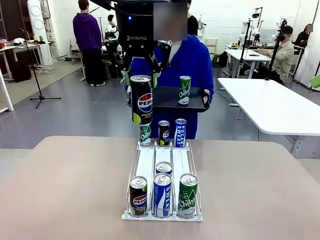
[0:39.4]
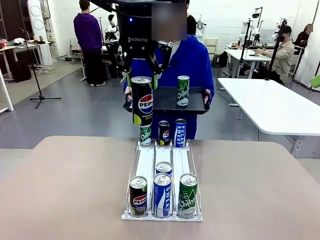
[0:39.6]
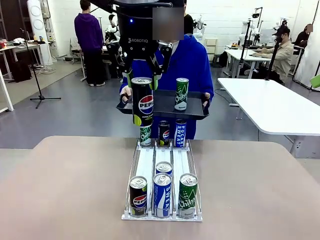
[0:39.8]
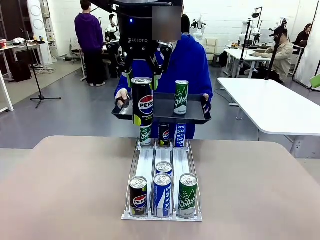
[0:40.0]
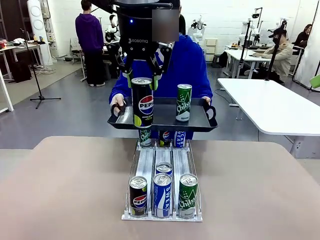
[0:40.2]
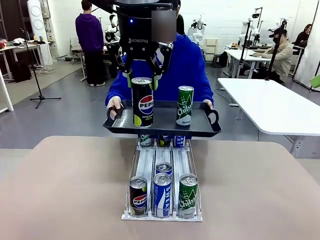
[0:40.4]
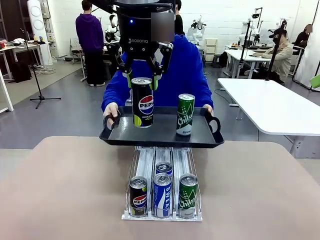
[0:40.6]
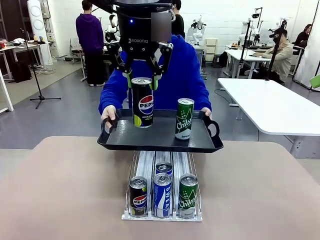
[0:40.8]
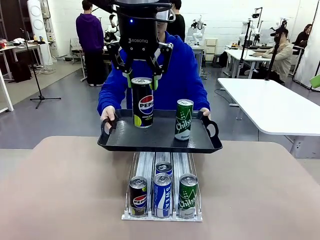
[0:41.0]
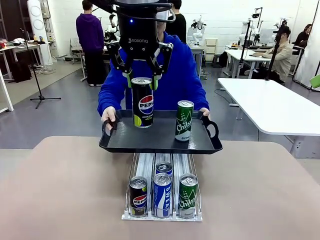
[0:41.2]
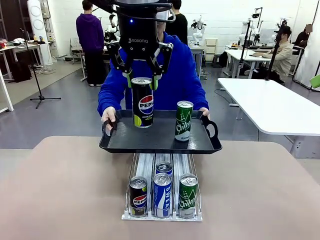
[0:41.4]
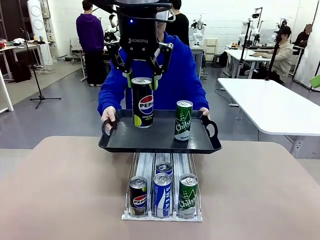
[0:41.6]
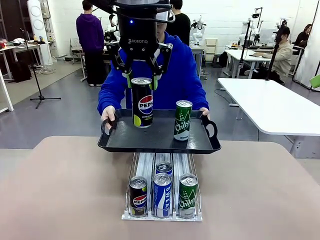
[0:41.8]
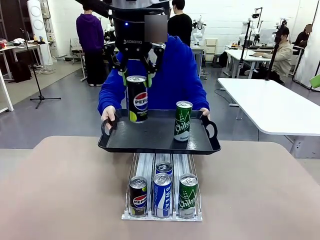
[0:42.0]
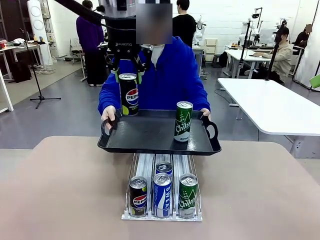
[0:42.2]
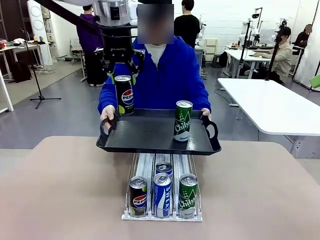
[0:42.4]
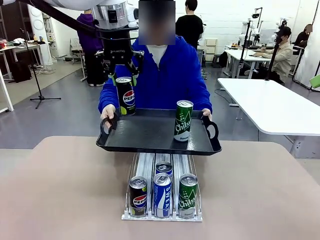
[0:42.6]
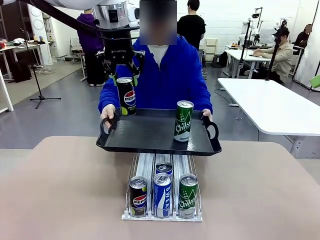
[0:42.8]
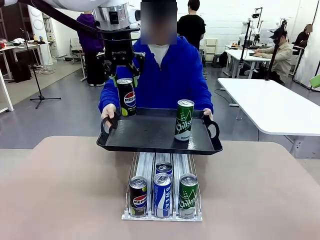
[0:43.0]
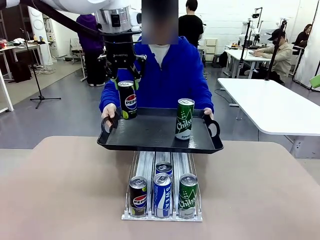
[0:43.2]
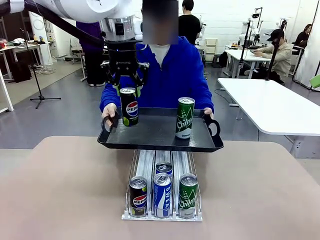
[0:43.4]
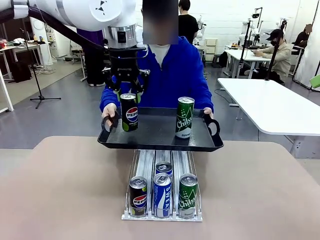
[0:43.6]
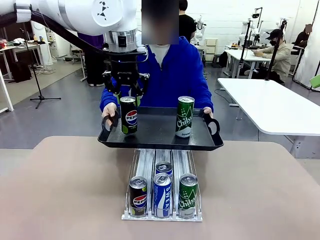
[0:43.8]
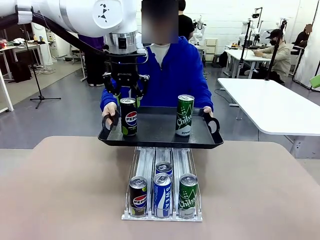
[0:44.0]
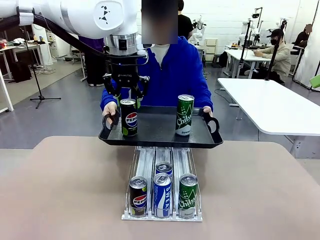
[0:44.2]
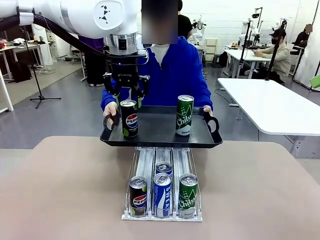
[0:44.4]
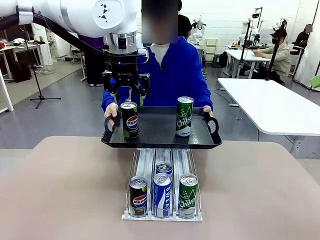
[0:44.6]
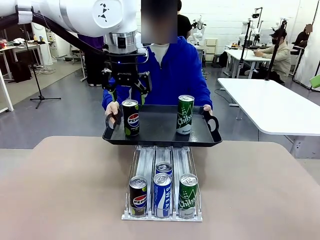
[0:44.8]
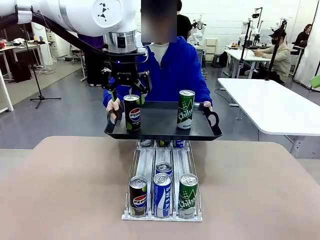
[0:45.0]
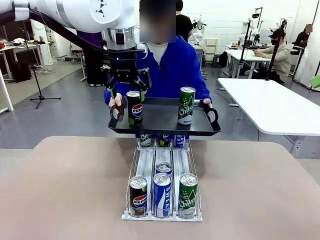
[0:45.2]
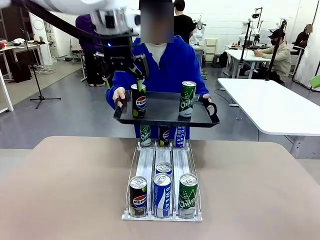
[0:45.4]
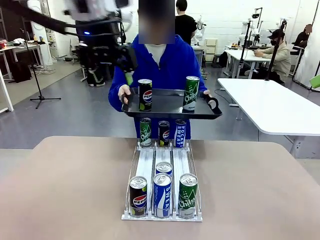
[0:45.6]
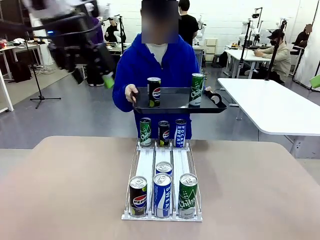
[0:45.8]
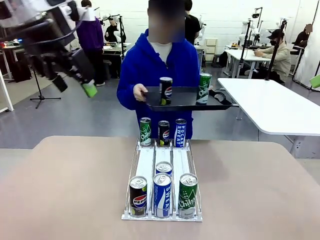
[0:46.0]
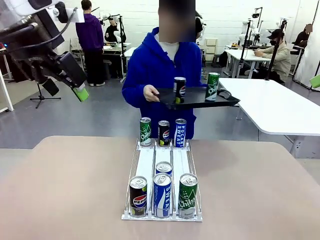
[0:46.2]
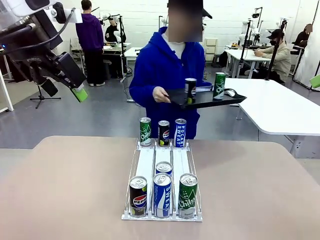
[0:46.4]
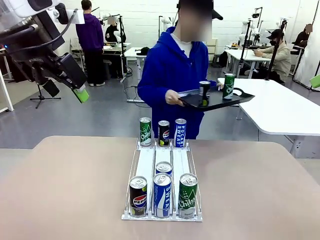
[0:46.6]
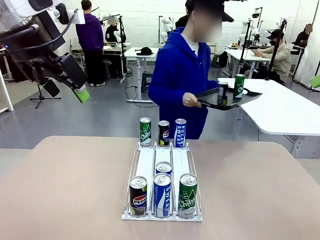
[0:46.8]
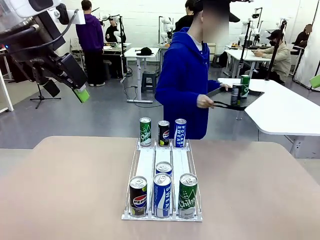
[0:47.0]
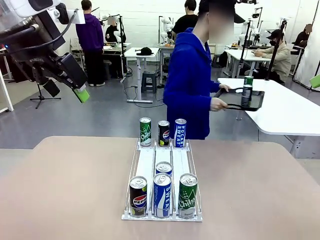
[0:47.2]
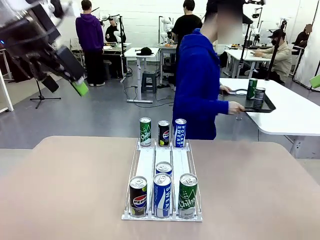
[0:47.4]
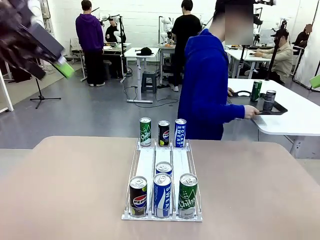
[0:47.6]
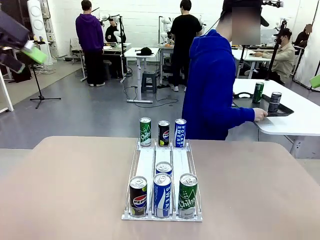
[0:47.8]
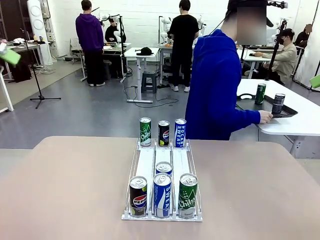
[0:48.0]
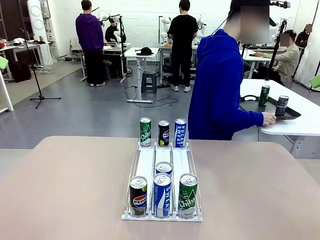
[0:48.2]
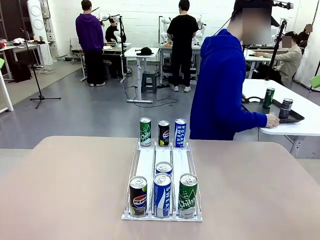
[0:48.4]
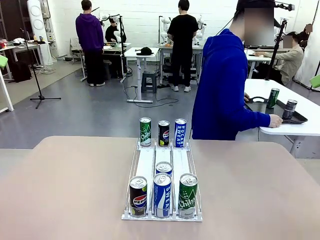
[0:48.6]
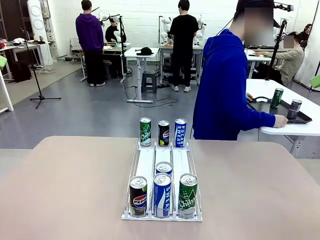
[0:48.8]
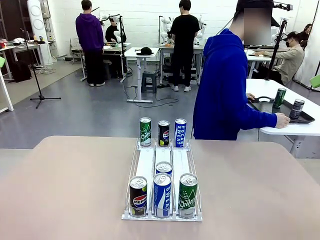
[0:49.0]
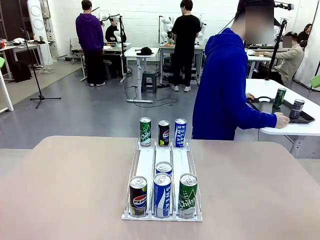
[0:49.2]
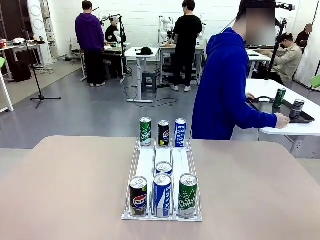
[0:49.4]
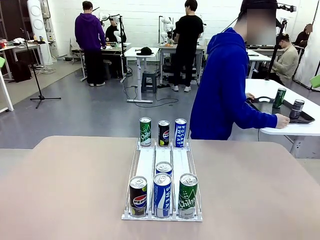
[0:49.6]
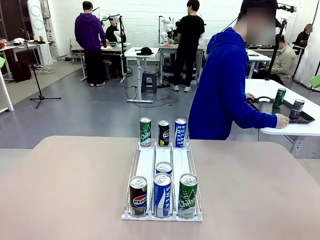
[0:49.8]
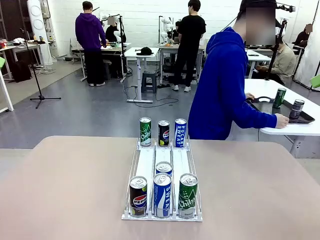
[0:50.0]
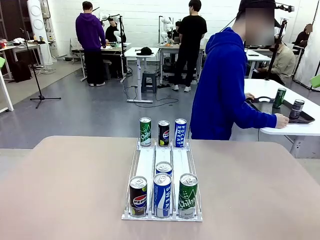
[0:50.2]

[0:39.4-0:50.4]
Task: Retrieve and hand over the desired beverage to the person.
Robot: Place the picked can on the Handle tray extended by the person.
Person: Pull the tray back and place it at the center of the human table.

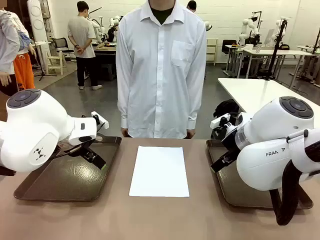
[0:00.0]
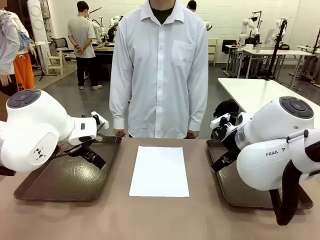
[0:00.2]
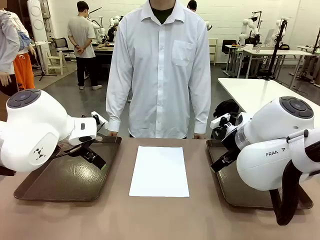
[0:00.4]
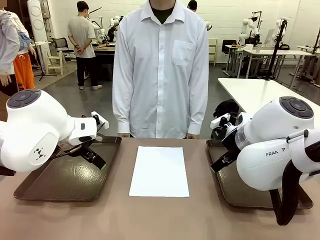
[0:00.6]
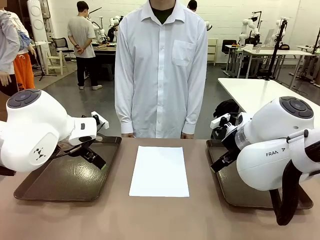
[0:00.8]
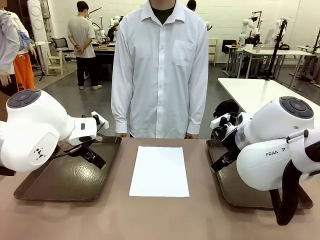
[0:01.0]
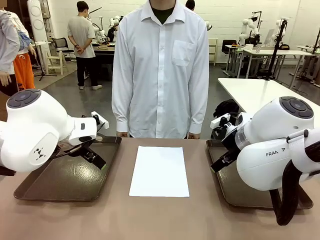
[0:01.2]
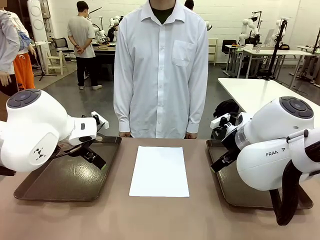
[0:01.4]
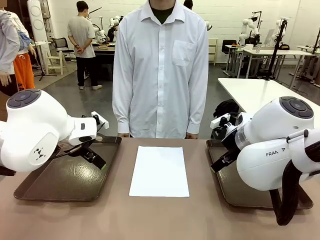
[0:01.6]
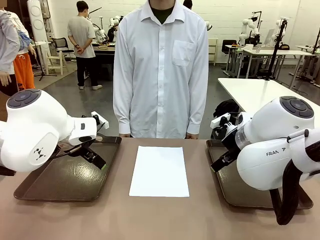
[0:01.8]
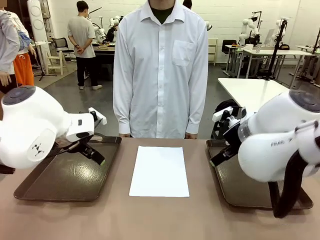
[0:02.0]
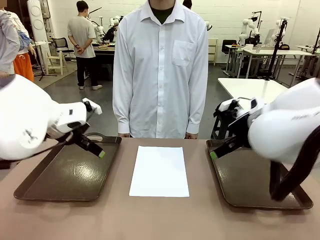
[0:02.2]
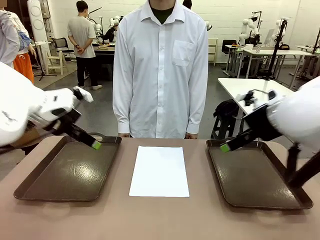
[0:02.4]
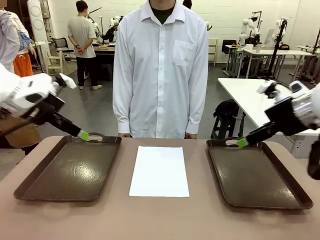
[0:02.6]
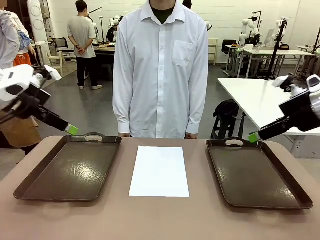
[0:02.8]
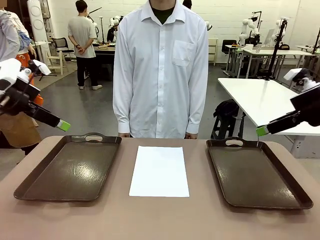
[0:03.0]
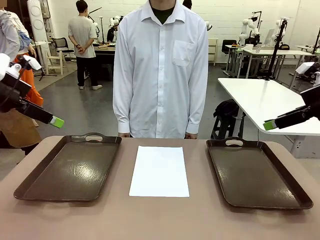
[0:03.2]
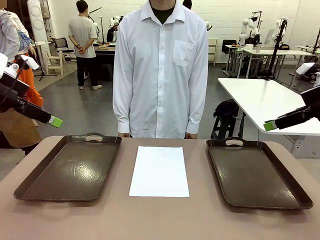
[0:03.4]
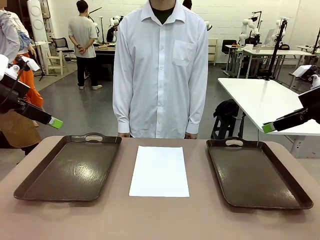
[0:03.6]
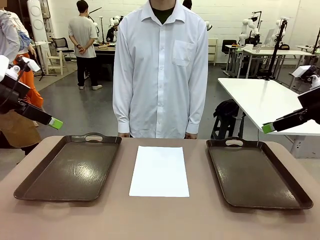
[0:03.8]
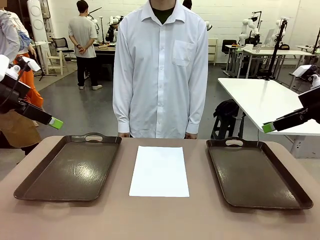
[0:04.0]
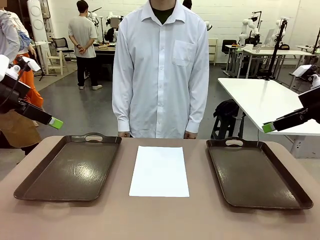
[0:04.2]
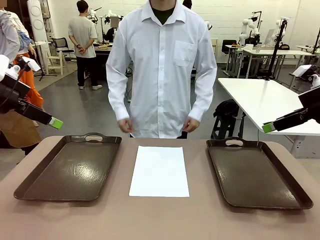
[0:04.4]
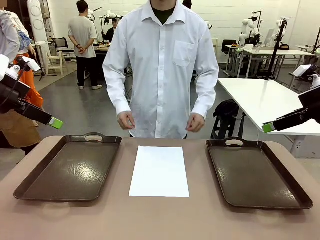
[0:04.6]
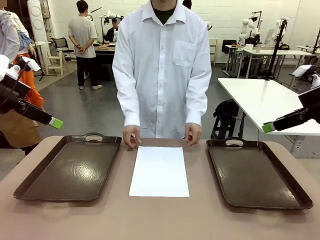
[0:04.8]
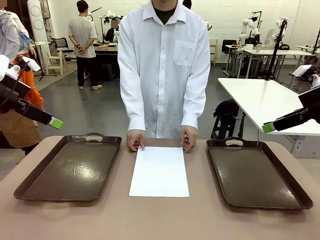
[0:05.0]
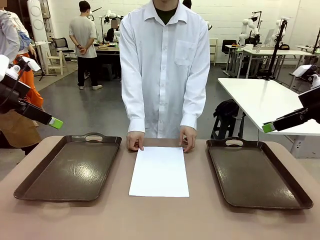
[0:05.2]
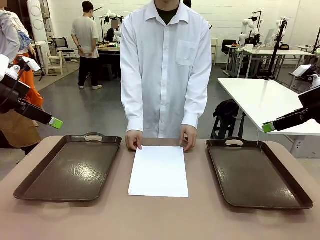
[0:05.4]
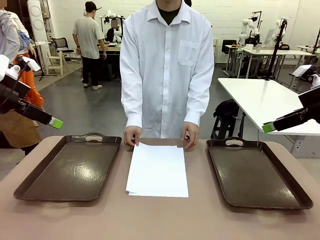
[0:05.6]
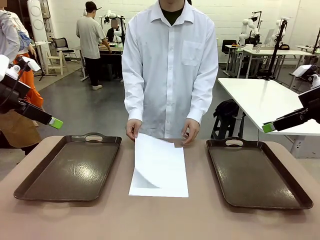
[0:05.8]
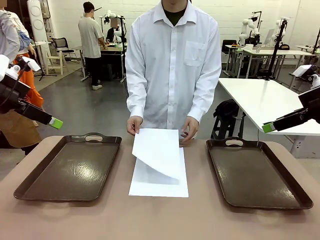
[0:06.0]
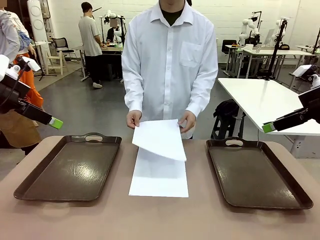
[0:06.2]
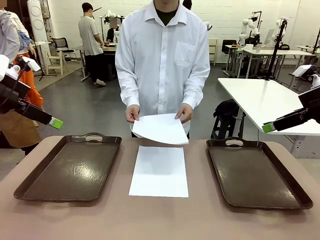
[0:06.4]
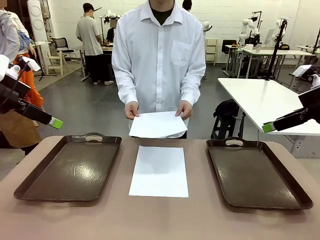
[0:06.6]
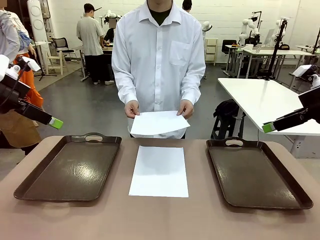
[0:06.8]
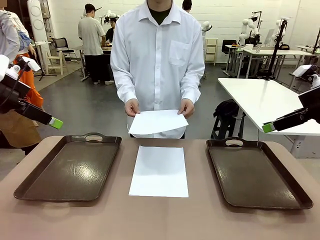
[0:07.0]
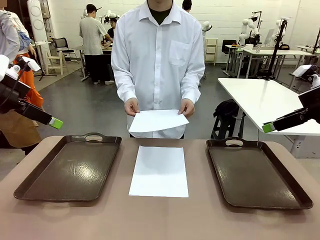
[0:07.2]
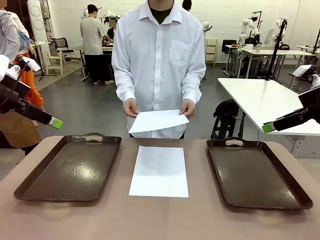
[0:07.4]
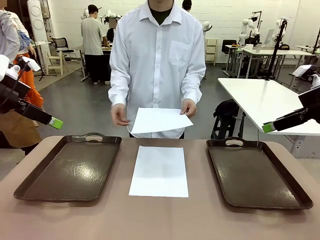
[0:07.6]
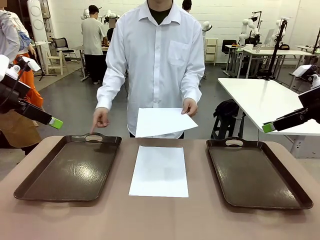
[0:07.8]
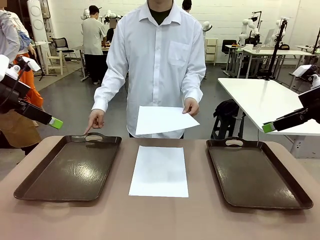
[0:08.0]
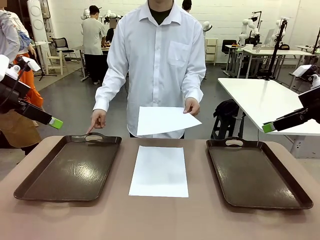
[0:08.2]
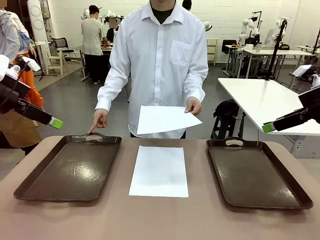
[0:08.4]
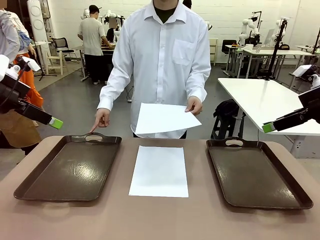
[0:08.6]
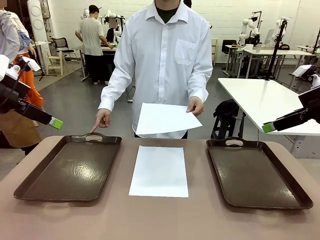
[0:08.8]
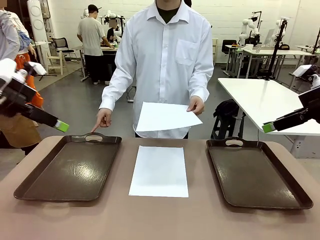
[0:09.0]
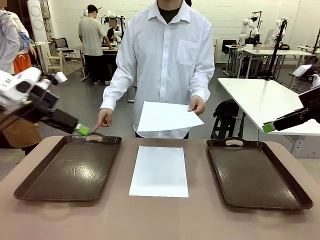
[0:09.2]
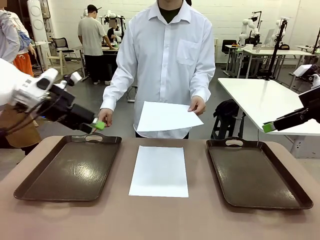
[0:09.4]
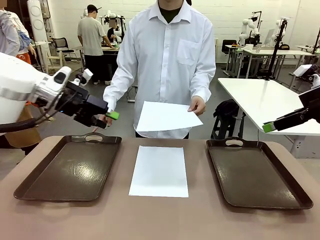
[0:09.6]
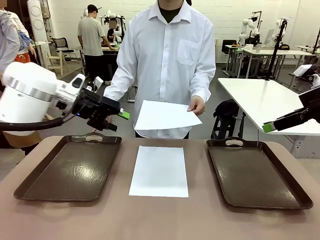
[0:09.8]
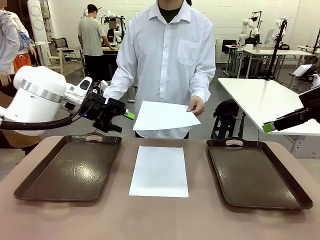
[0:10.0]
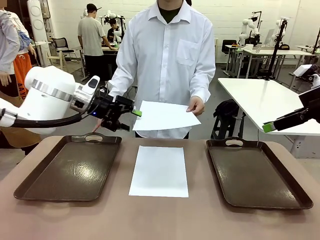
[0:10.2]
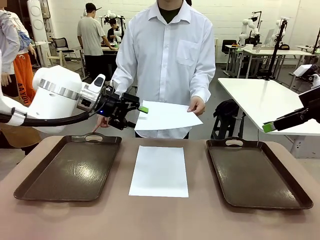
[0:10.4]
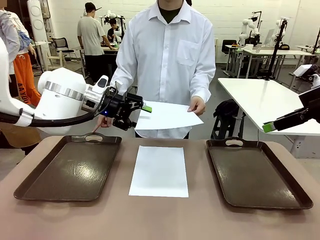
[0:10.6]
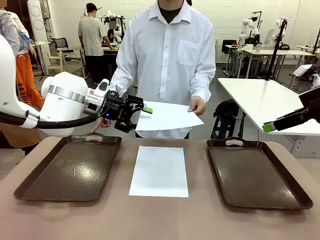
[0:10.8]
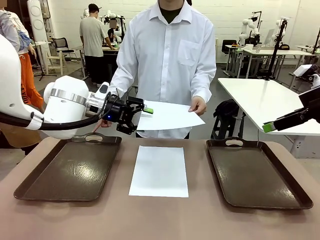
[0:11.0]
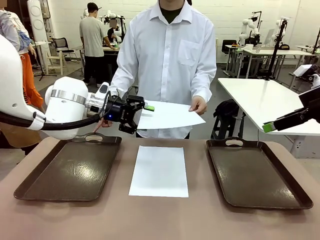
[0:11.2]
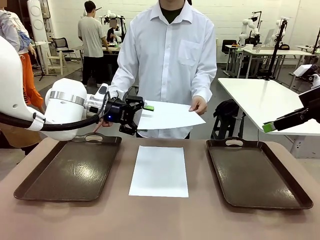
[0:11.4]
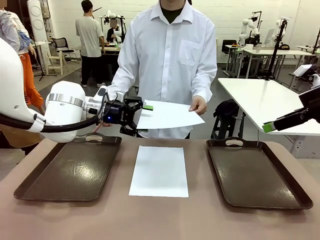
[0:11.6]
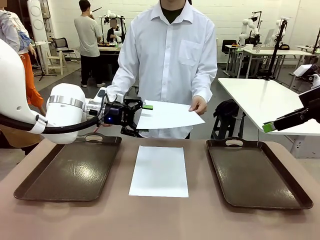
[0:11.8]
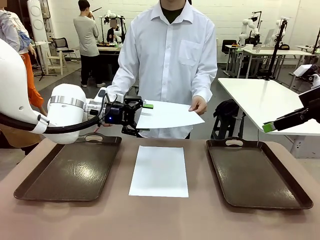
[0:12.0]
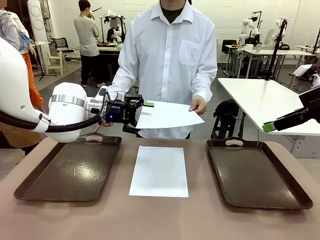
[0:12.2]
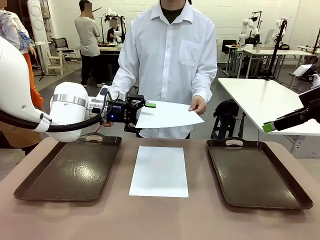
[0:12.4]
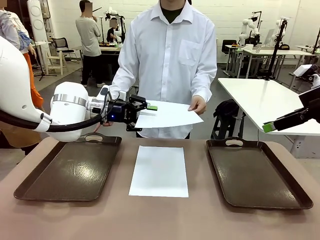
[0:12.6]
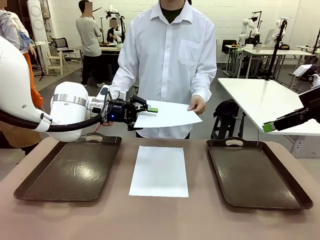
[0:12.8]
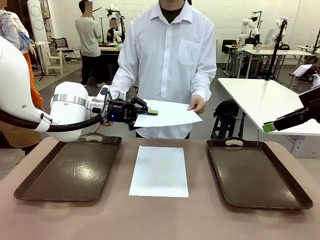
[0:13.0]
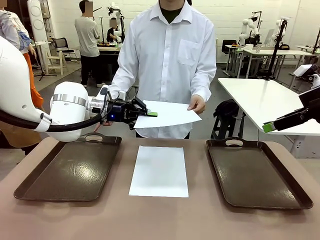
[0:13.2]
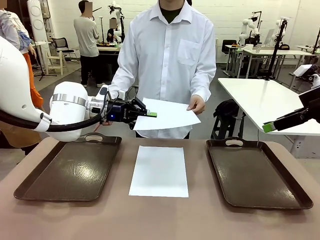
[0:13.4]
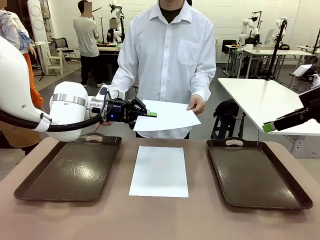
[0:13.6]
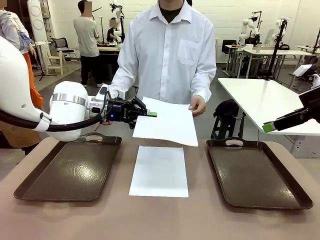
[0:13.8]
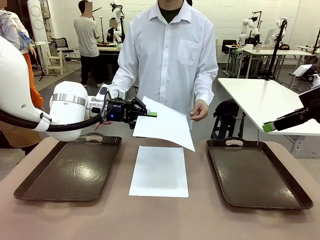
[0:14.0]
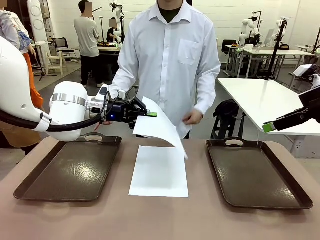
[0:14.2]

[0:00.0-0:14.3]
Task: Sort the A4 documents.
Robot: Receive the A4 Paper.
Person: Pick up a sheet of paper from the center of the table and hand it to the robot. Point the randomly selected tray with the other hand.
